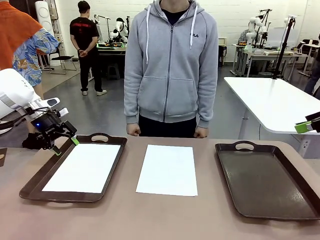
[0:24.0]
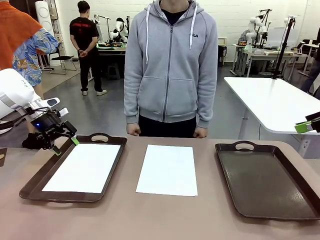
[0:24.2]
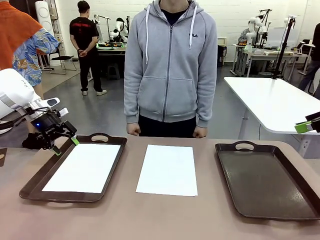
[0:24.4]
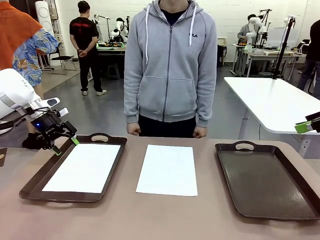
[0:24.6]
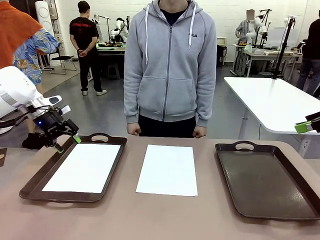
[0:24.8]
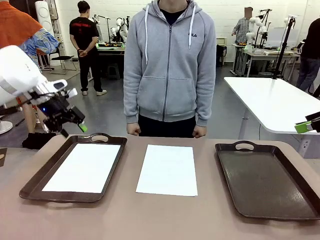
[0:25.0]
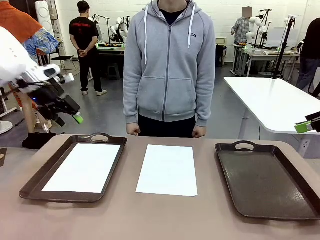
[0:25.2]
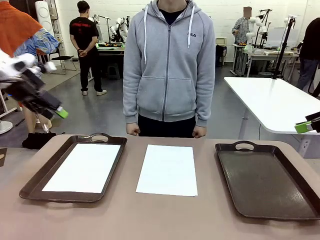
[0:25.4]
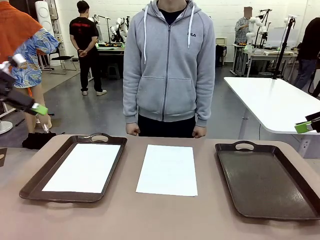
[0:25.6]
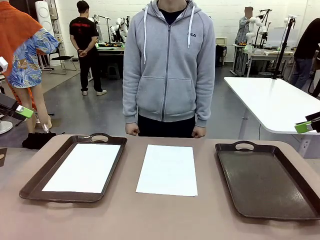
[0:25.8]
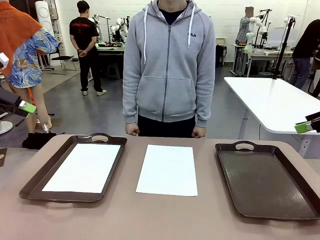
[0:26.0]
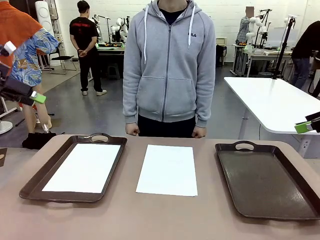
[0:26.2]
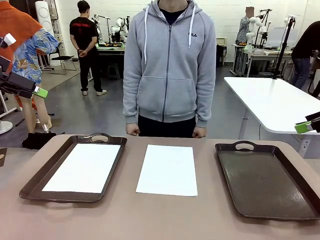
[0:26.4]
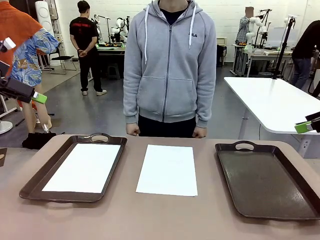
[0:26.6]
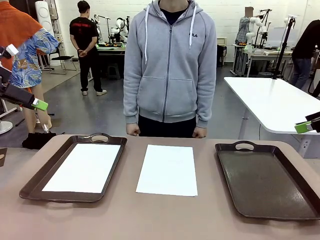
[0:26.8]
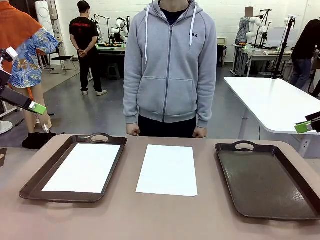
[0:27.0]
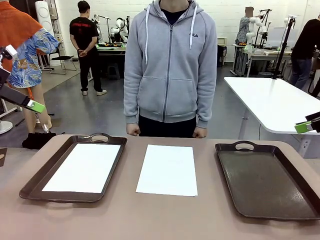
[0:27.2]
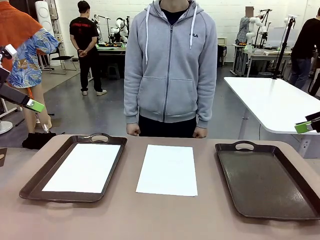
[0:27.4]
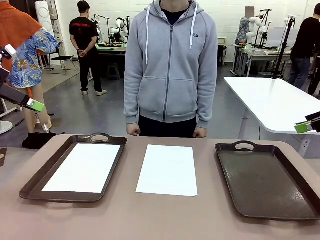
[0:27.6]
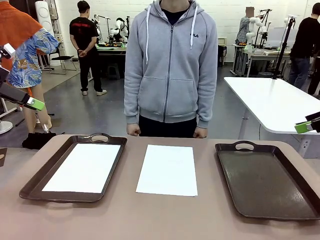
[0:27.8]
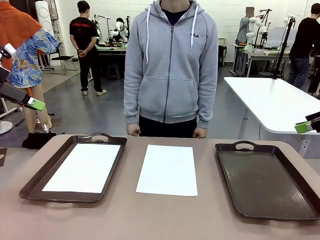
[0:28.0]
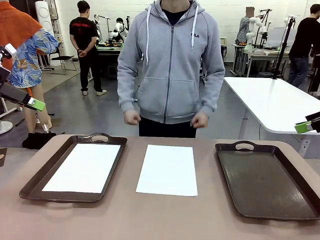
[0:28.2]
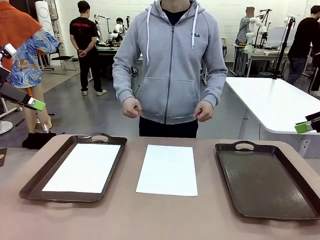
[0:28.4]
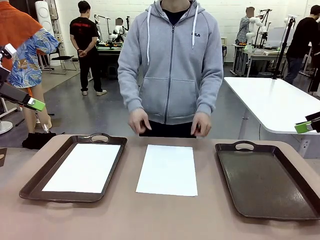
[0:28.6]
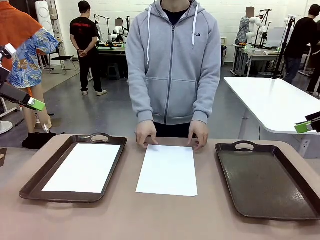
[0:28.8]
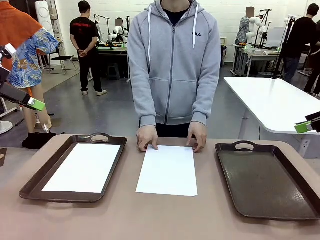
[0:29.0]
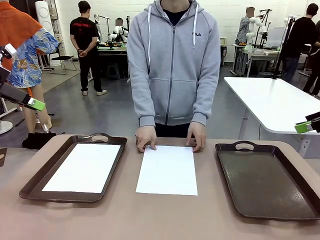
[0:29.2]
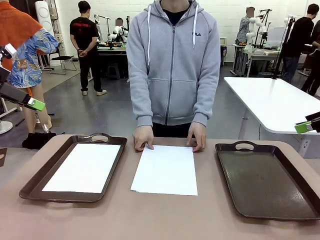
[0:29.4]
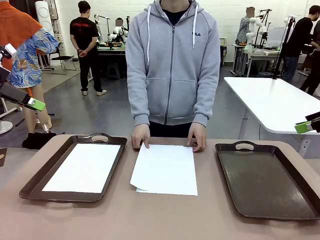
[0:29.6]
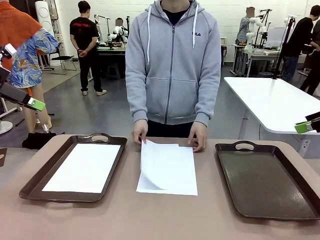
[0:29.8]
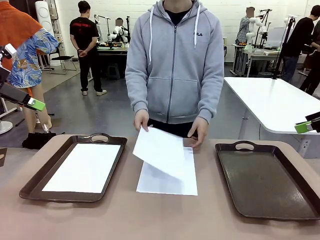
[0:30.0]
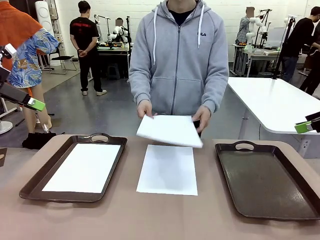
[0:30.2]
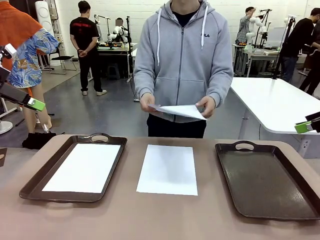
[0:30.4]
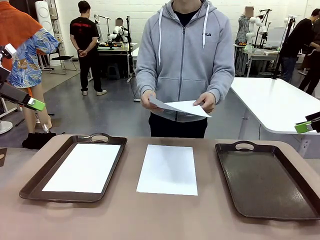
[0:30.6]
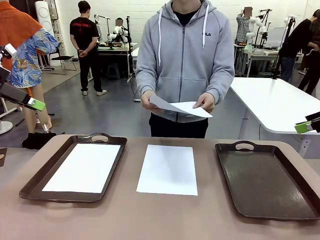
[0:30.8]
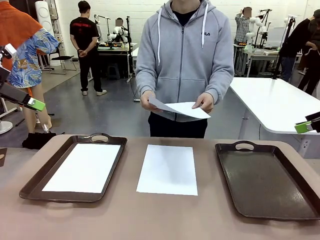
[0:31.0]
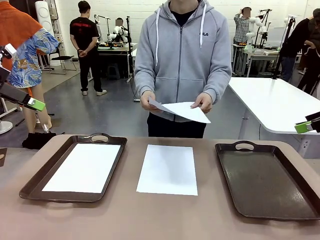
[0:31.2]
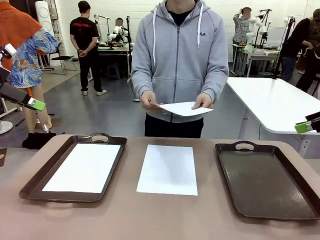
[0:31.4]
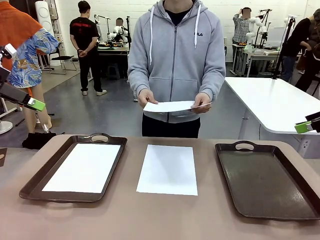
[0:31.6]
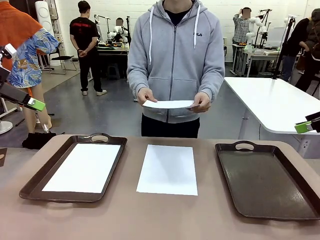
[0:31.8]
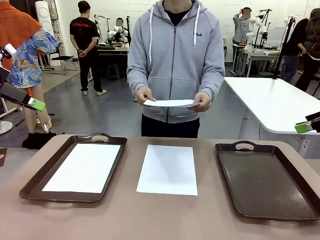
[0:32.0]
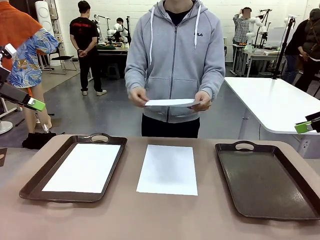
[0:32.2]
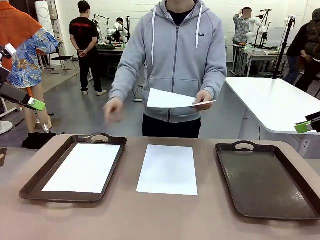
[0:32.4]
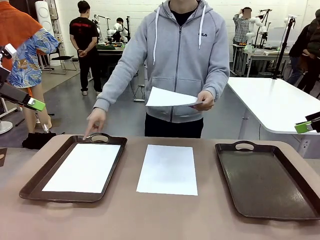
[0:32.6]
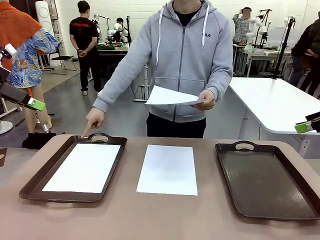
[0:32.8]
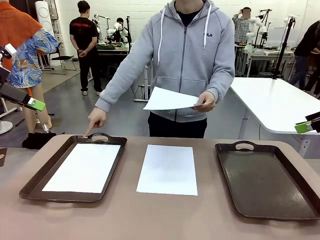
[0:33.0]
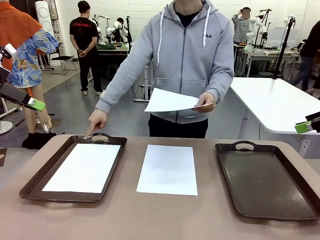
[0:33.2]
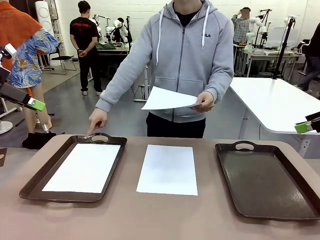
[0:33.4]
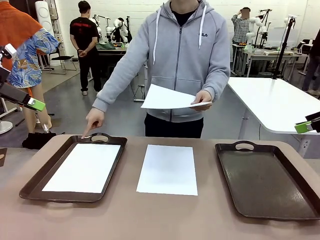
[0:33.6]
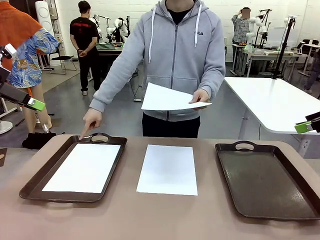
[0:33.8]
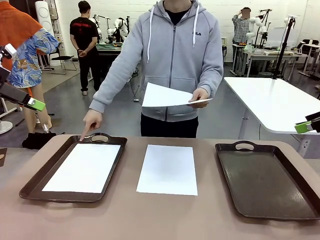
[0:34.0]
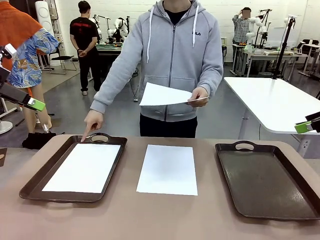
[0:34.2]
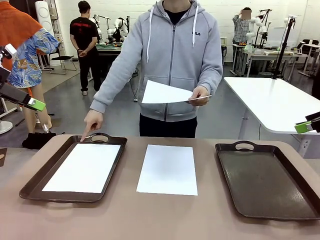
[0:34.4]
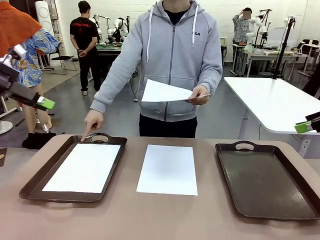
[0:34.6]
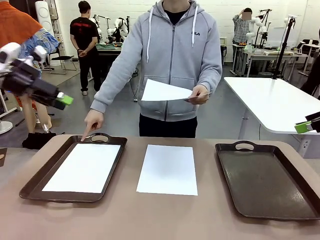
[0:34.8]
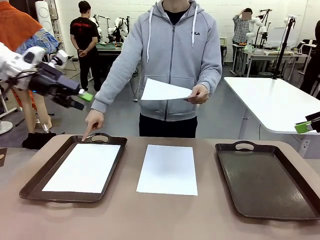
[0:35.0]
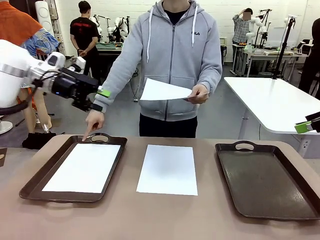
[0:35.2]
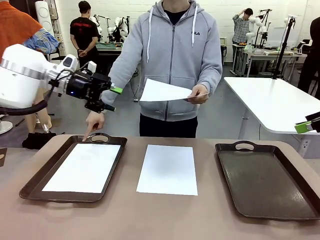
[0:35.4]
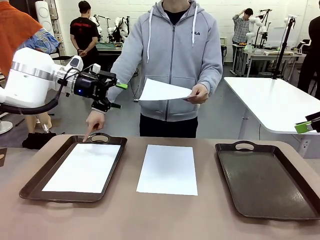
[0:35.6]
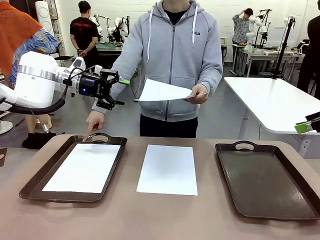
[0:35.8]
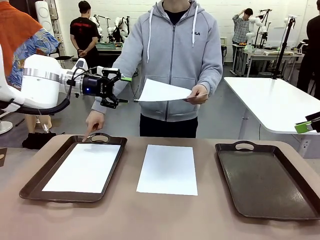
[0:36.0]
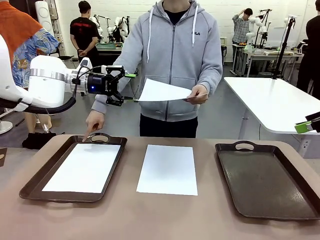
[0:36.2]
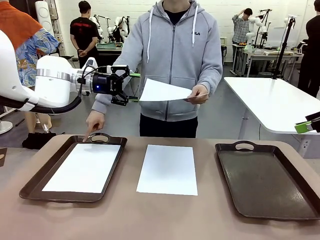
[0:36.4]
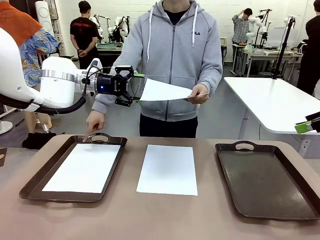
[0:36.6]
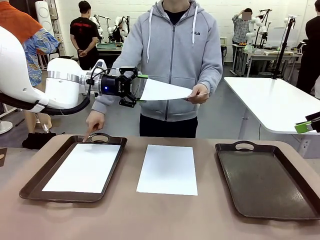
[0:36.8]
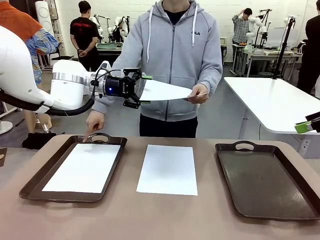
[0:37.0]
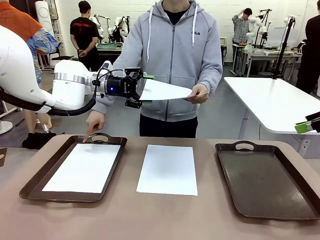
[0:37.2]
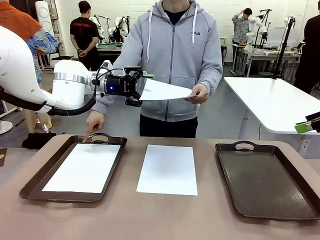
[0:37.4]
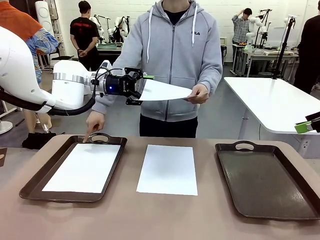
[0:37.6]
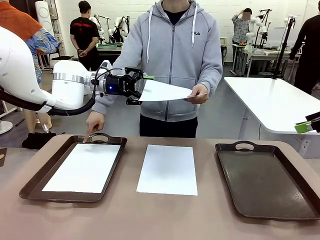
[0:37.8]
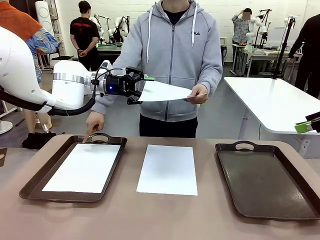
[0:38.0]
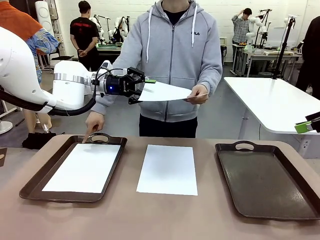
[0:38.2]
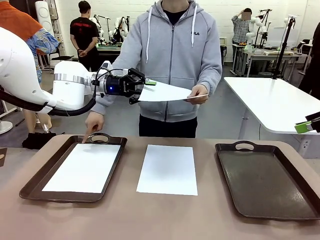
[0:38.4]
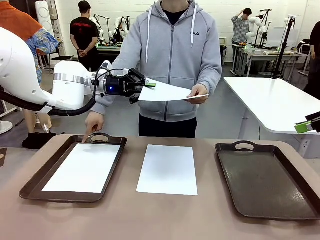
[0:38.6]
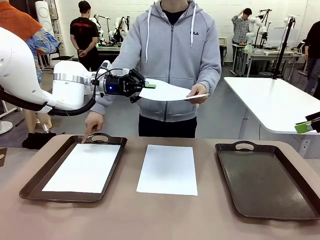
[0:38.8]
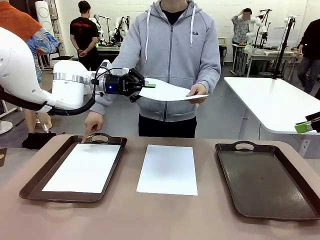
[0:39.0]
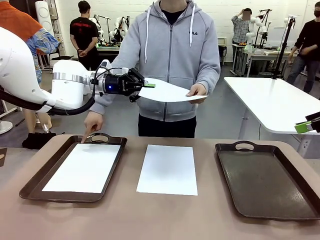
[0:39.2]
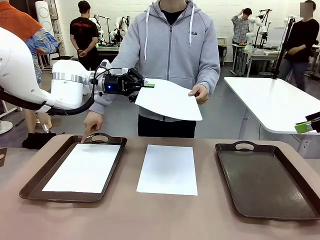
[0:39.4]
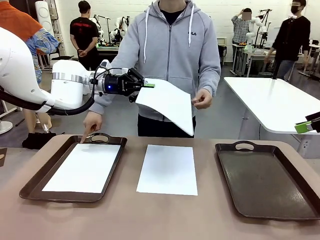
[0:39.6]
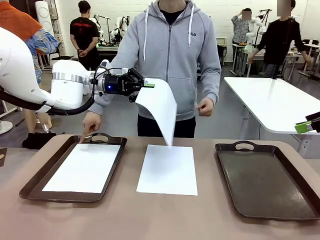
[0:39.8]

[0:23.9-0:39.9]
Task: Sort the A4 documents.
Robot: Receive the A4 Paper.
Person: Point the randomly selected tray with the other hand.

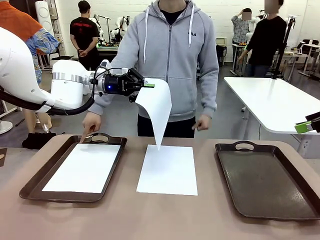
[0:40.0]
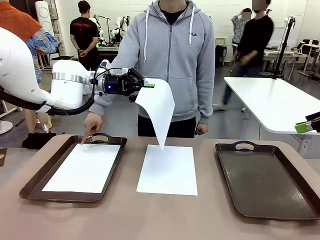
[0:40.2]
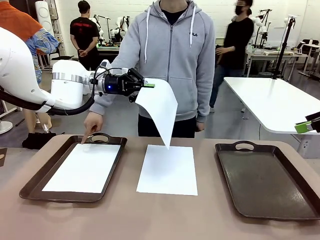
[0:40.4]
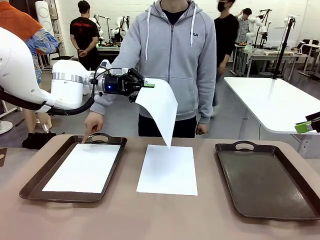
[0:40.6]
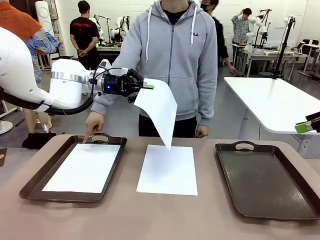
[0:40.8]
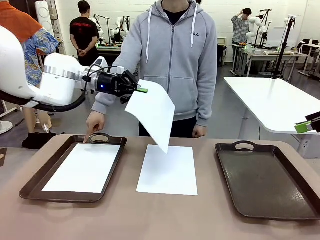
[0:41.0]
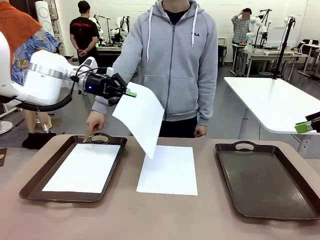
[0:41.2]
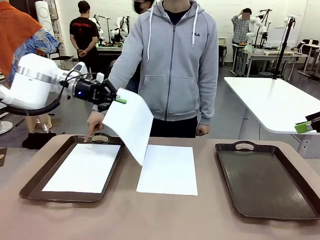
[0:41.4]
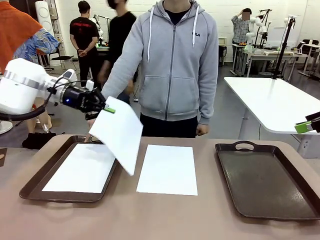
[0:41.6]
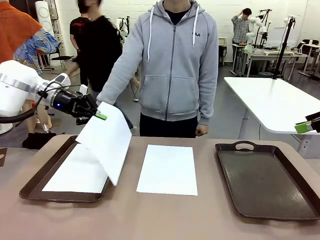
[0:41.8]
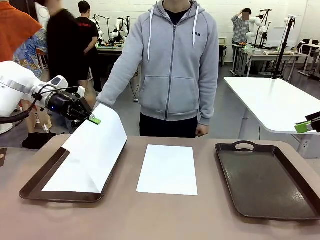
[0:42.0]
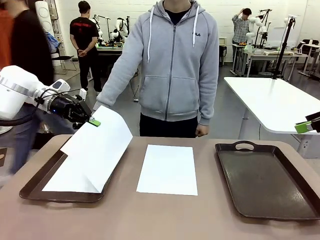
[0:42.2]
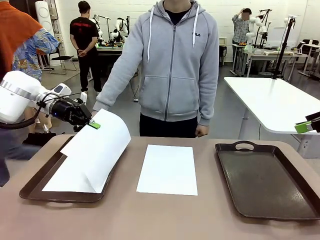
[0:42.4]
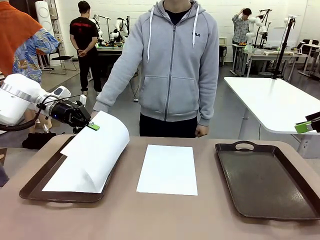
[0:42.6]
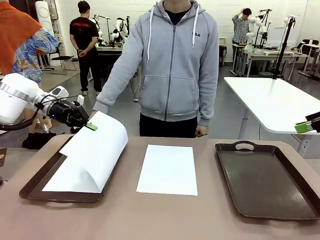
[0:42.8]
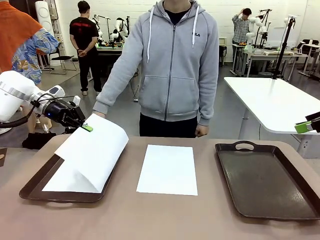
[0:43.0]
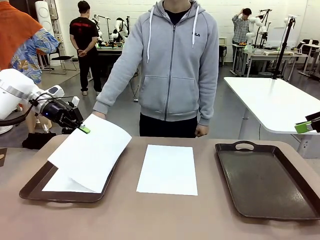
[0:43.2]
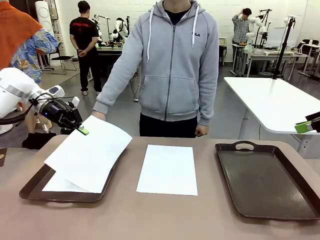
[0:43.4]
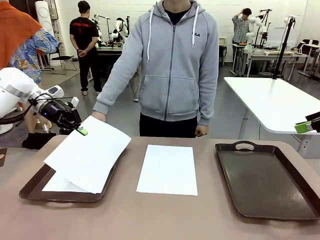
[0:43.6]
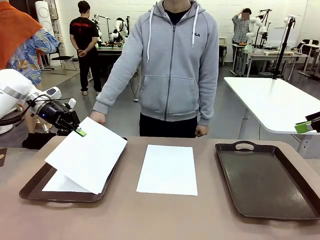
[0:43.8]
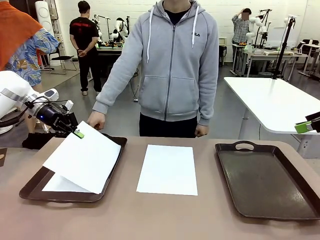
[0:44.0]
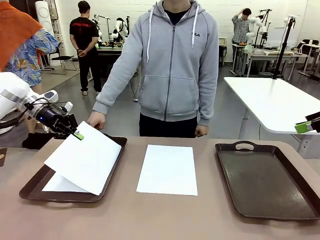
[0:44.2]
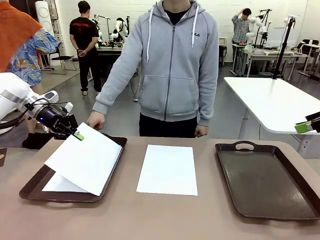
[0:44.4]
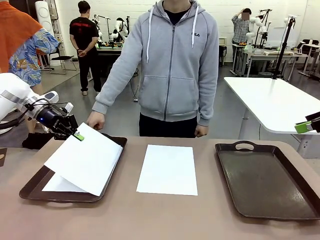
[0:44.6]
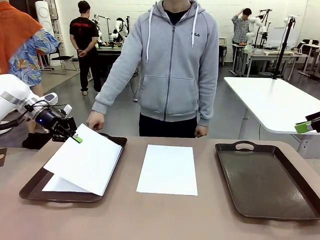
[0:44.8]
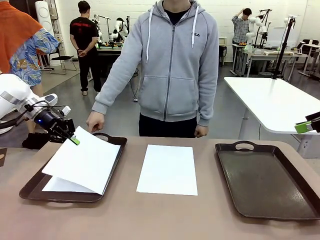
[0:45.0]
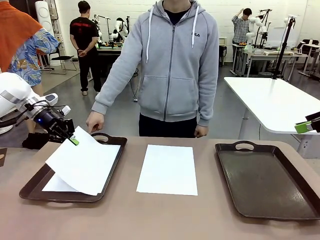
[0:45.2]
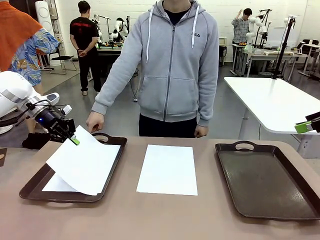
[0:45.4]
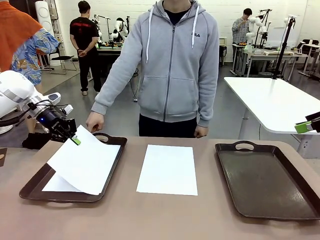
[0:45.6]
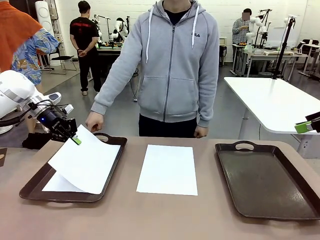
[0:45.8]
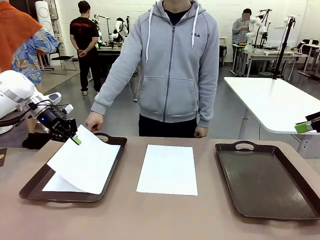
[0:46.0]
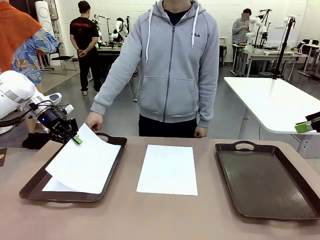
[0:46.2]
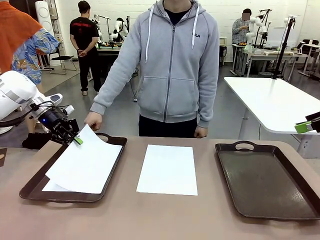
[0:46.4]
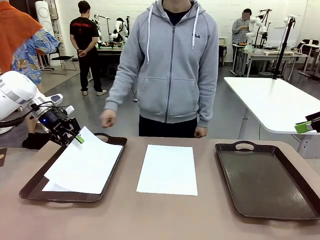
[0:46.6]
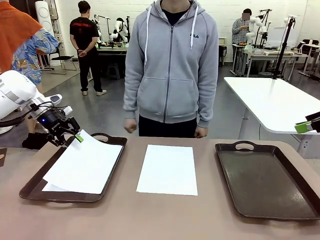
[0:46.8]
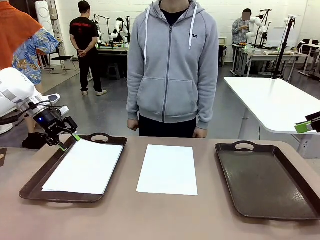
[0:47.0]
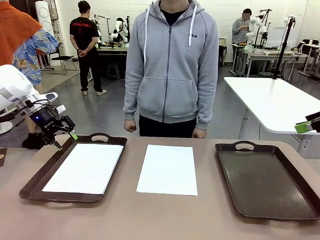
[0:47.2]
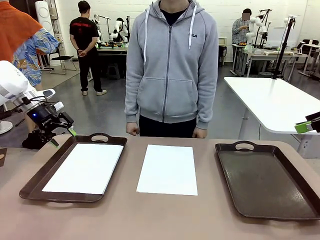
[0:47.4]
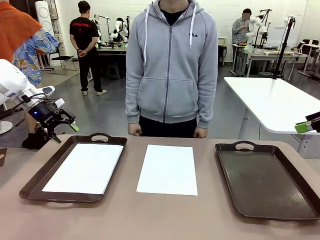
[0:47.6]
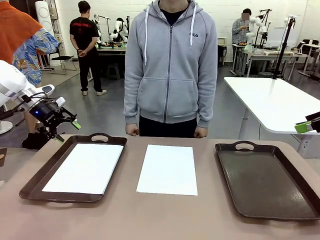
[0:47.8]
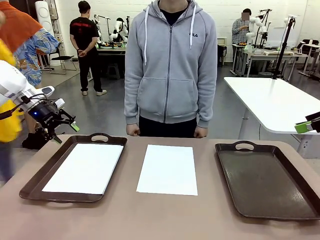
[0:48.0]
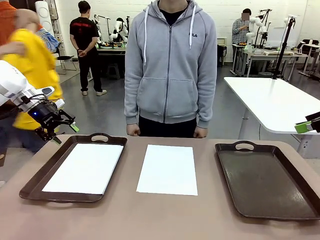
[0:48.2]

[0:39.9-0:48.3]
Robot: Place the A4 Paper in the designated Handle tray.
